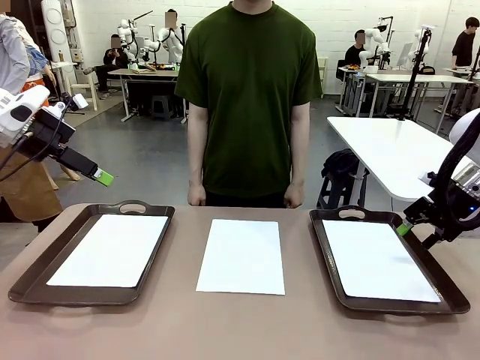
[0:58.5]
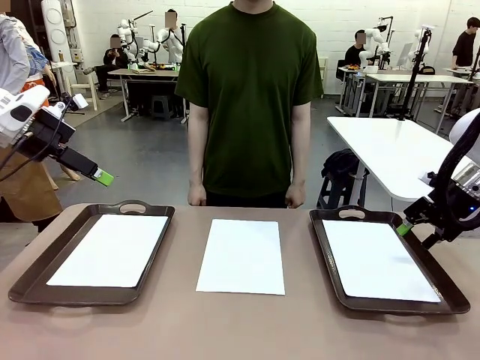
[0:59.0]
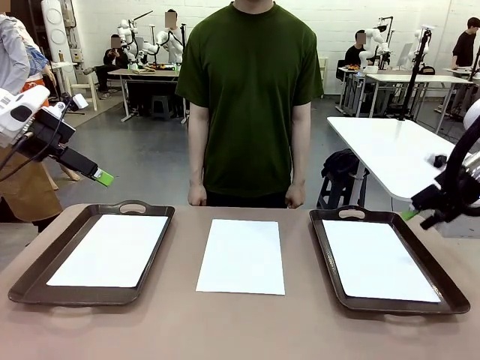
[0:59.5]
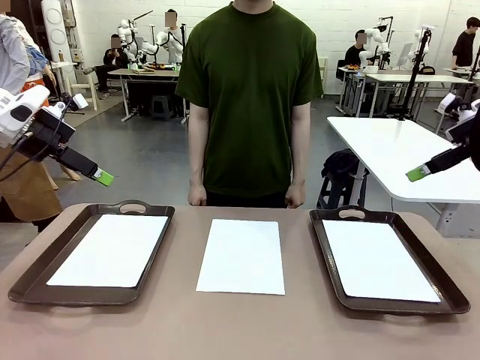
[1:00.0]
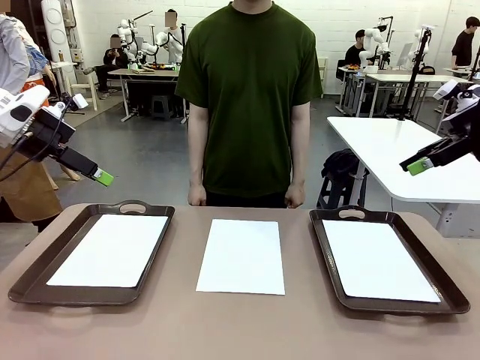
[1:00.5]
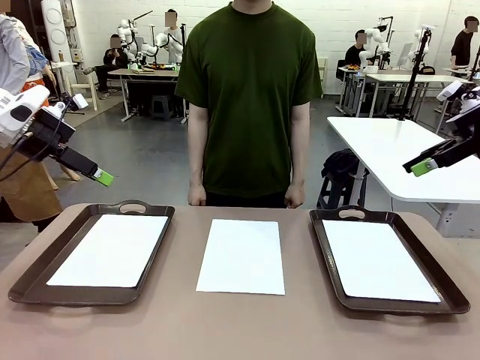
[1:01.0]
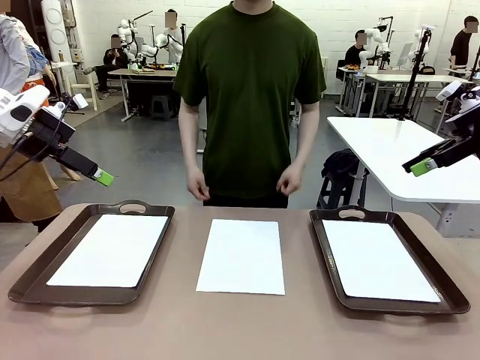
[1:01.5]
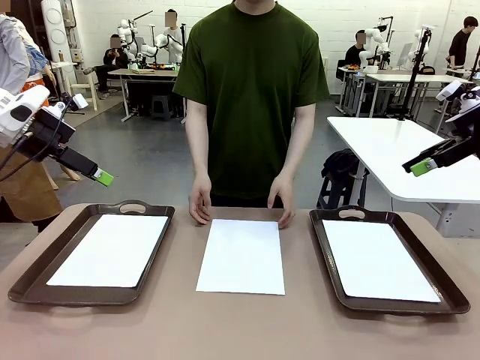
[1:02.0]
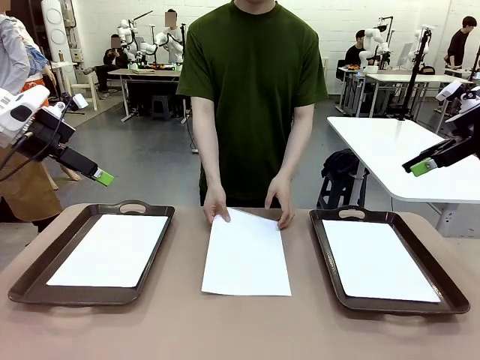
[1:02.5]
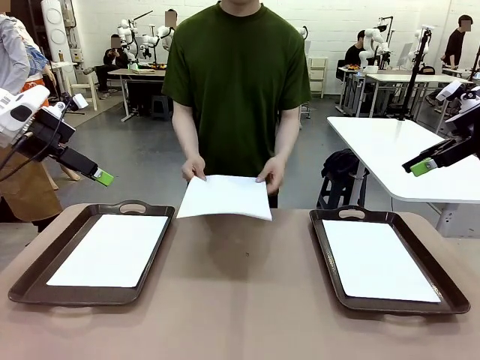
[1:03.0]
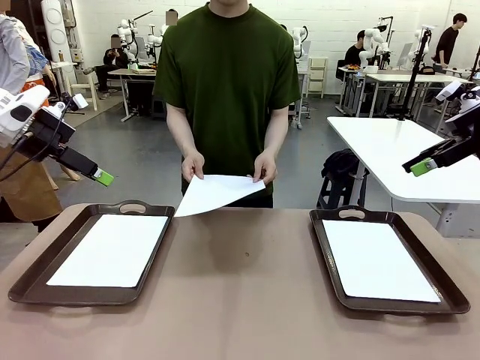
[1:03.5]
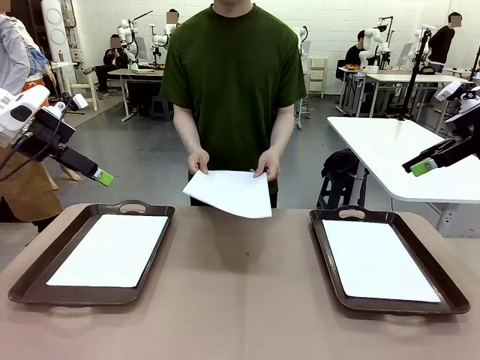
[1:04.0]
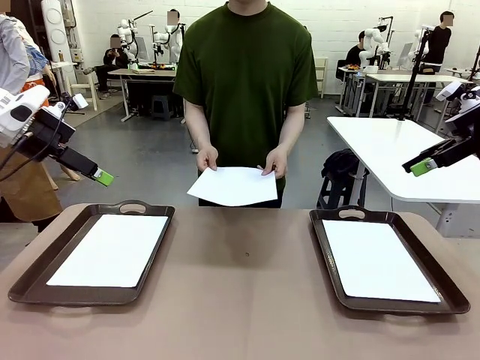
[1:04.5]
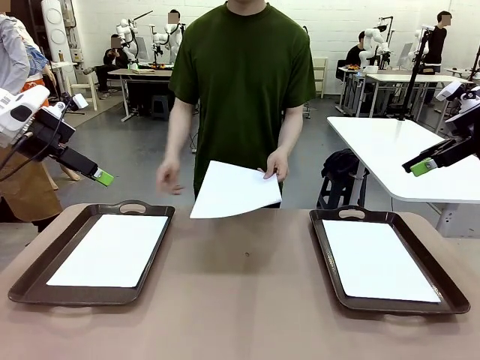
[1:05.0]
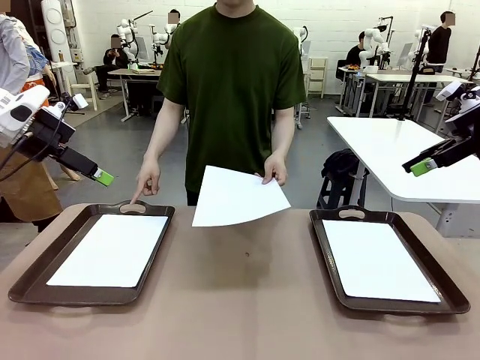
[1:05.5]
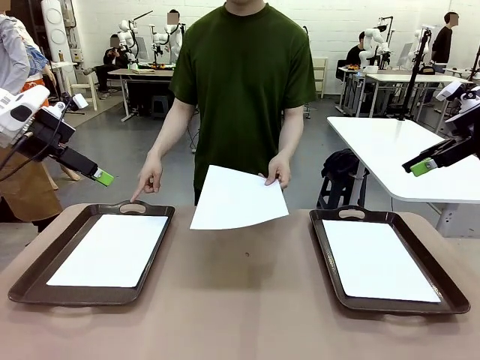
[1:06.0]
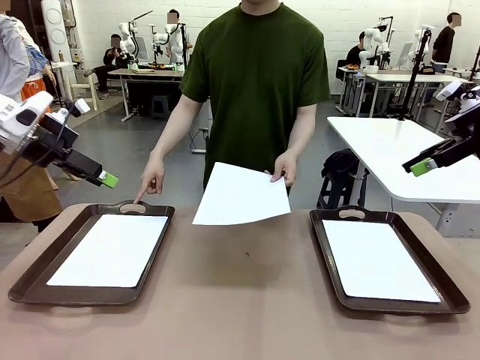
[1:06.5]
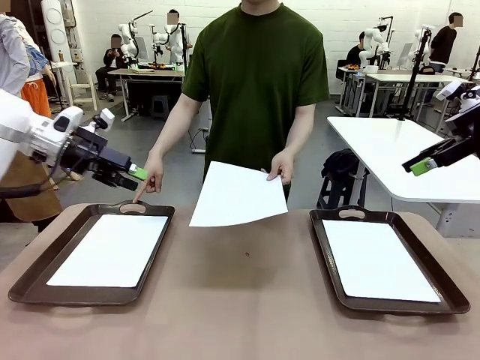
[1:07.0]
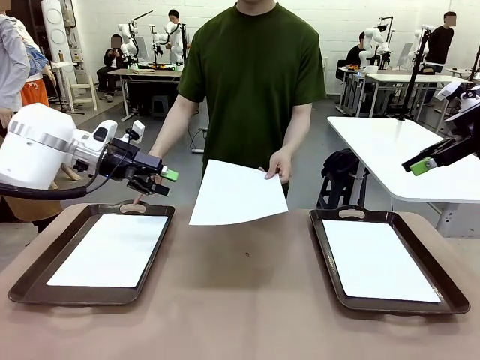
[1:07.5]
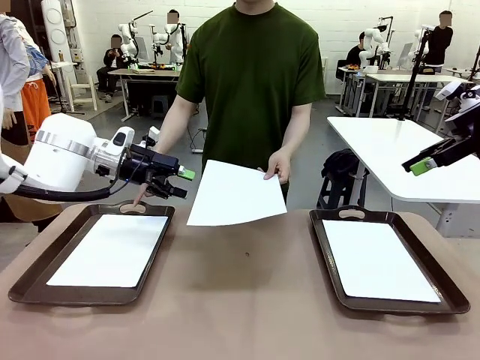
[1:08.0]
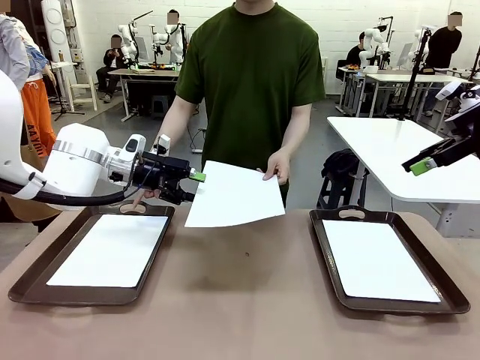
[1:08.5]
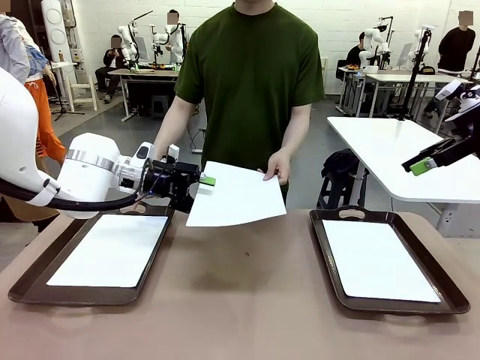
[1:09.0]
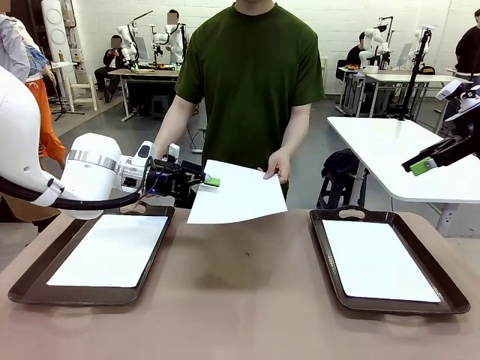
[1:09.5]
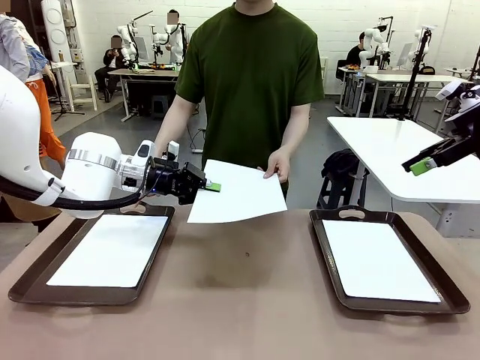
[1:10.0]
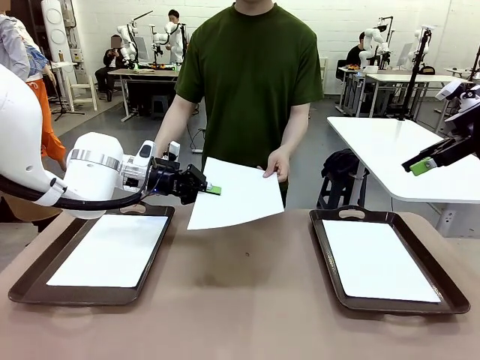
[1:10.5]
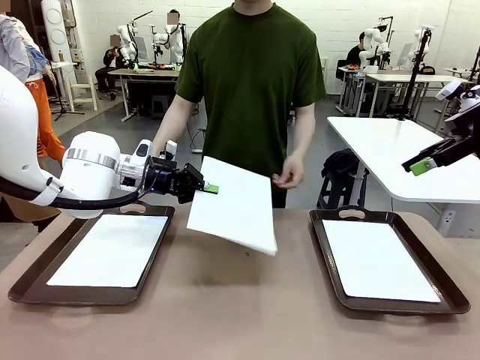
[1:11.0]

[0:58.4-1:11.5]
Task: Sort the A4 documents.
Robot: Receive the A4 Paper.
Person: Point the randomly selected tray with the other hand.

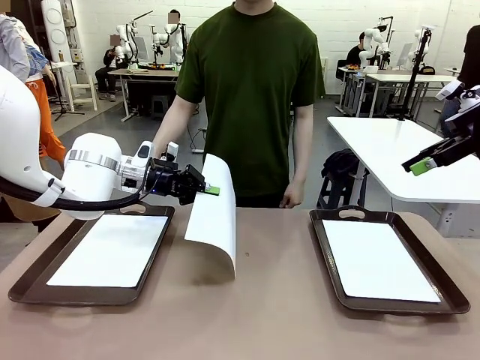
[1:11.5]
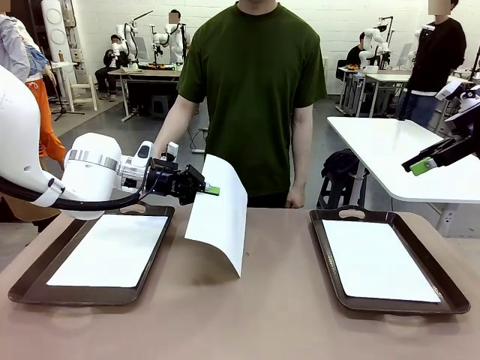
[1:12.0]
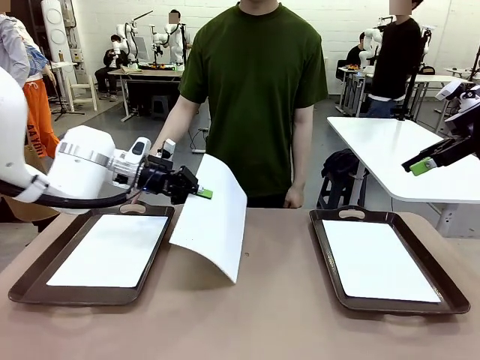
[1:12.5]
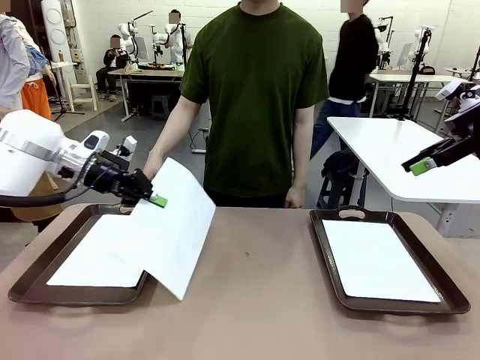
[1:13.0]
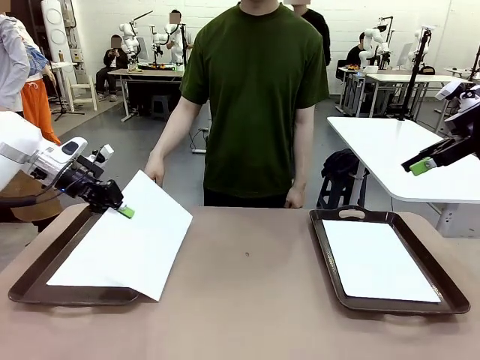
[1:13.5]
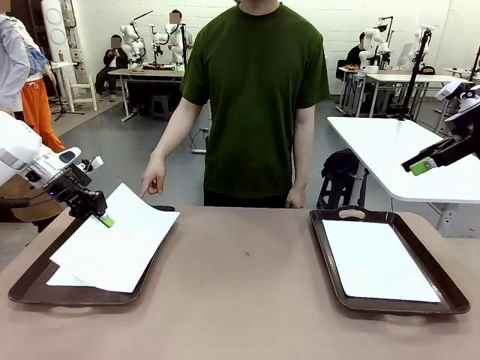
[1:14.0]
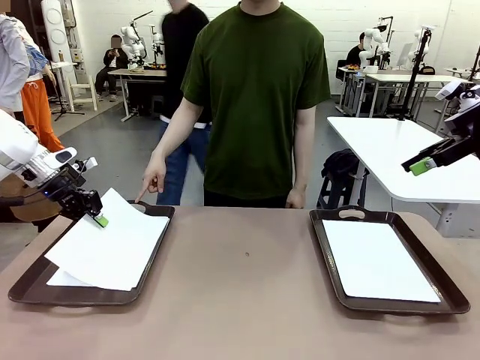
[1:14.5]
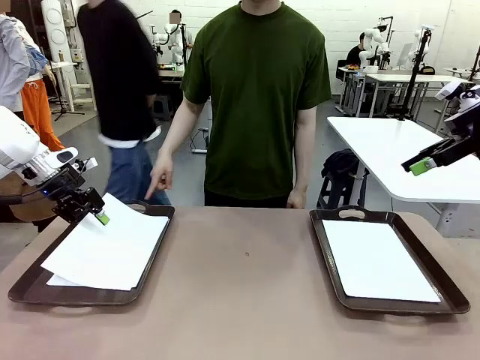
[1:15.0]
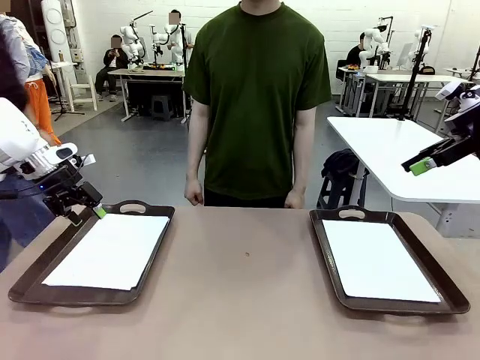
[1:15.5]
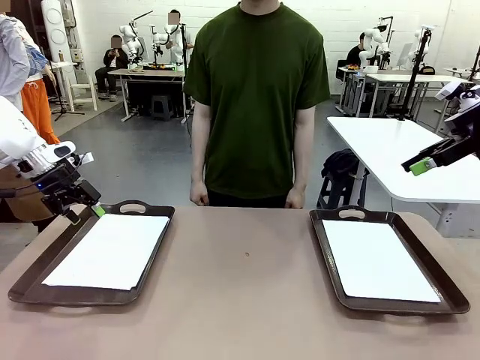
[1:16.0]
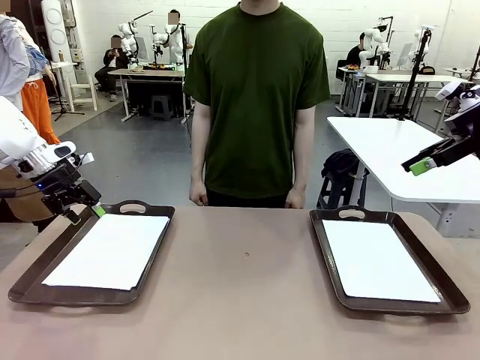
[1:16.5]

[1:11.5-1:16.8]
Robot: Place the A4 Paper in the designated Handle tray.

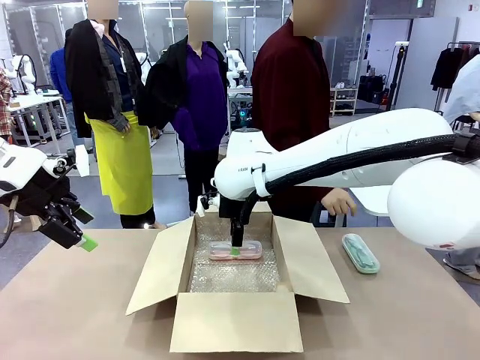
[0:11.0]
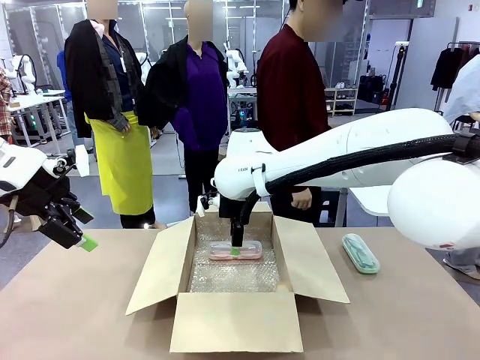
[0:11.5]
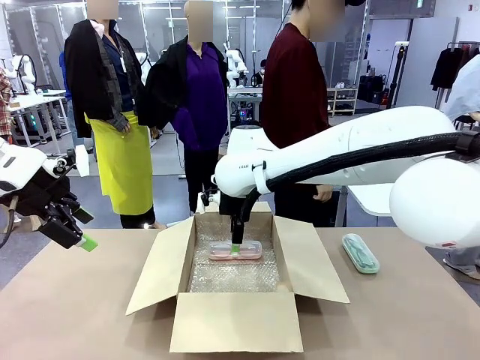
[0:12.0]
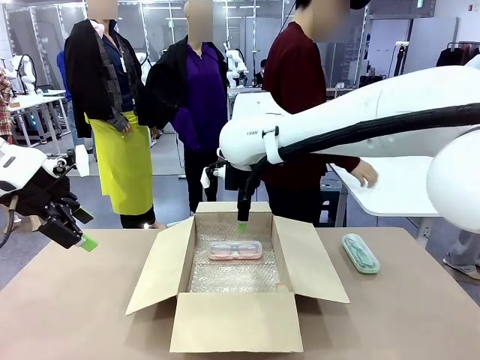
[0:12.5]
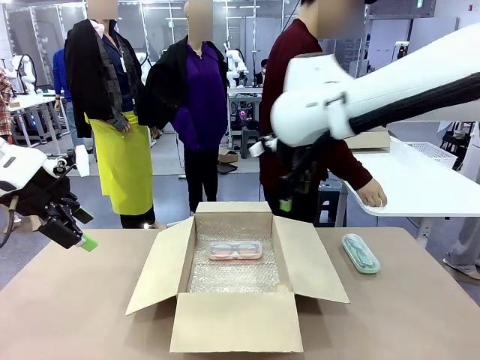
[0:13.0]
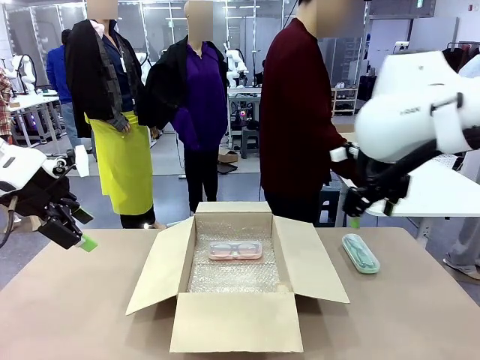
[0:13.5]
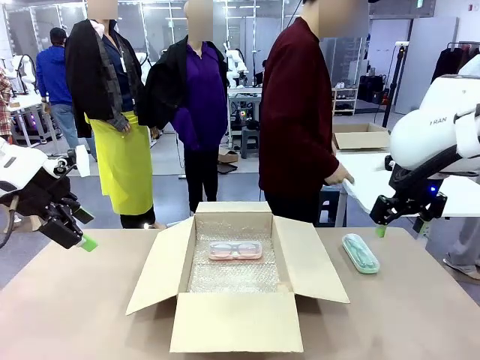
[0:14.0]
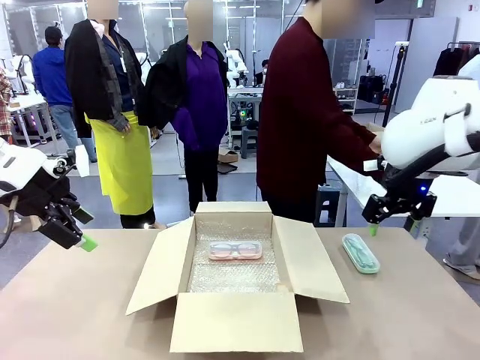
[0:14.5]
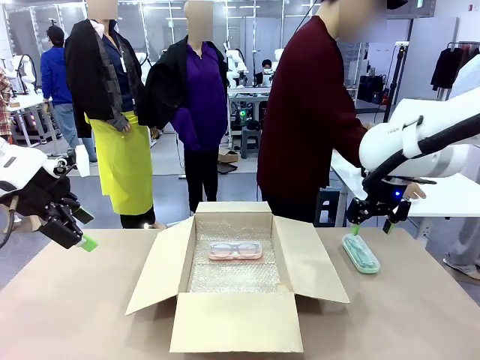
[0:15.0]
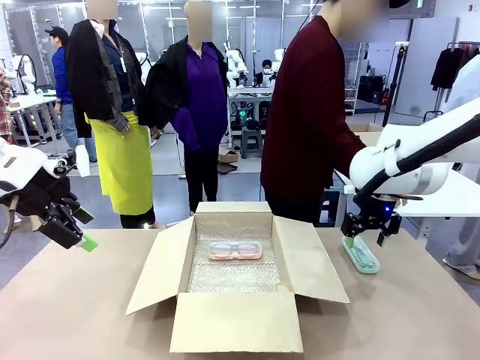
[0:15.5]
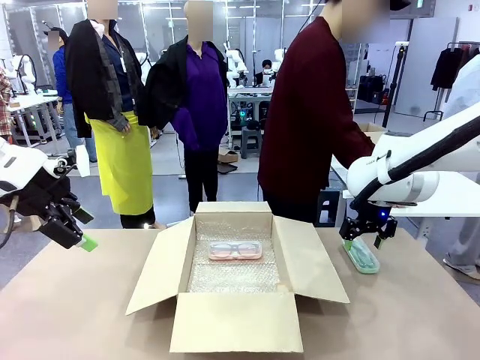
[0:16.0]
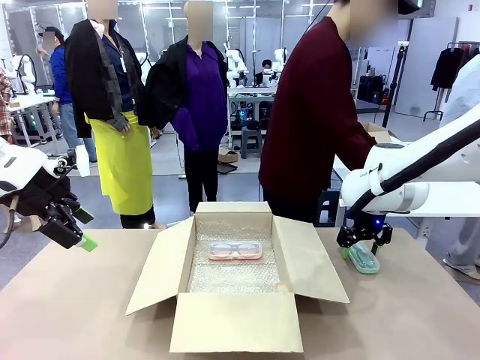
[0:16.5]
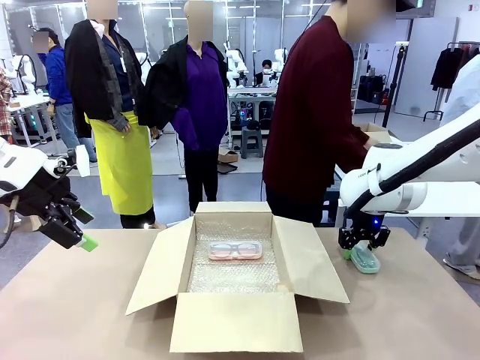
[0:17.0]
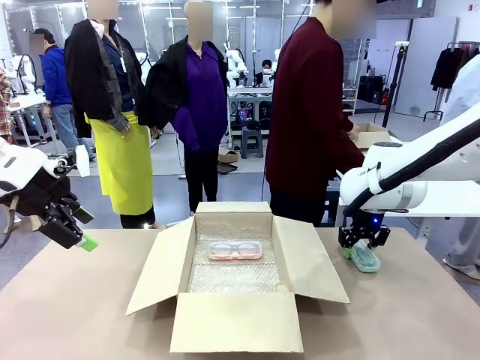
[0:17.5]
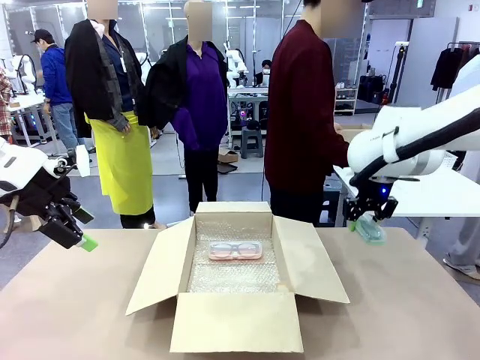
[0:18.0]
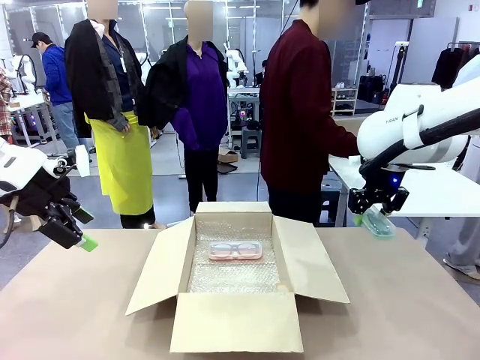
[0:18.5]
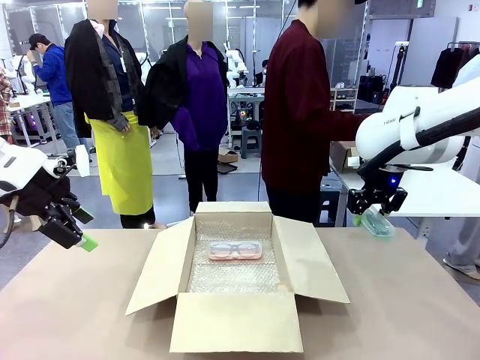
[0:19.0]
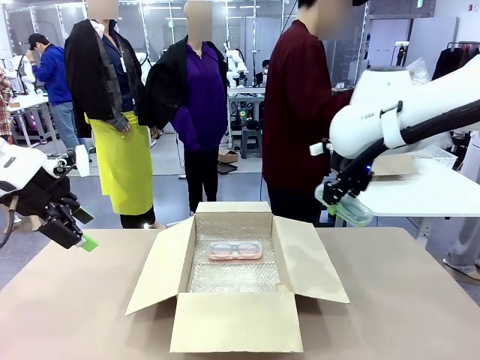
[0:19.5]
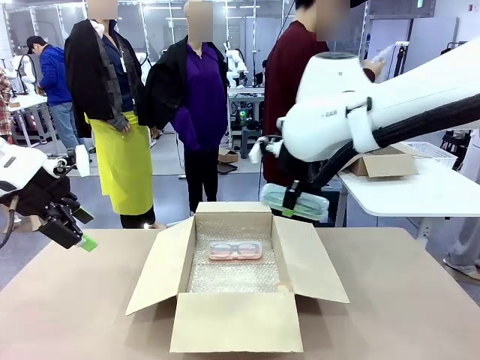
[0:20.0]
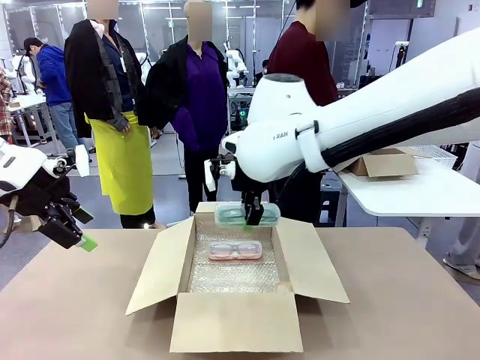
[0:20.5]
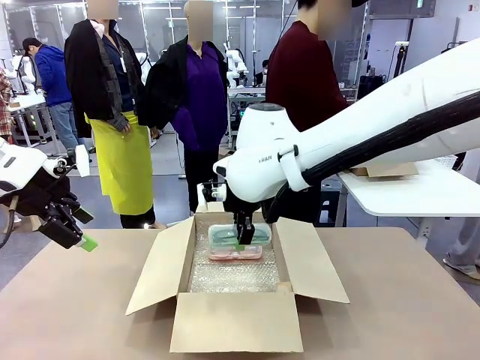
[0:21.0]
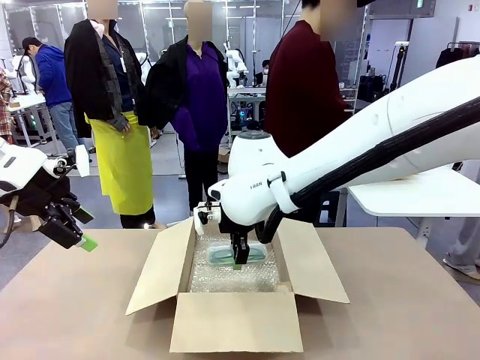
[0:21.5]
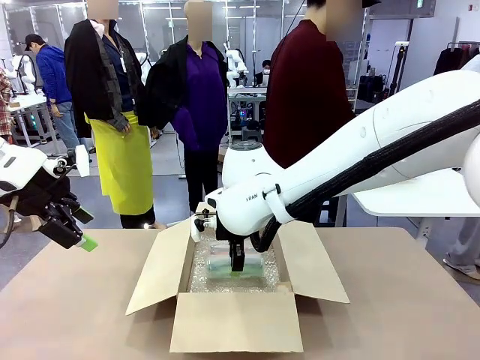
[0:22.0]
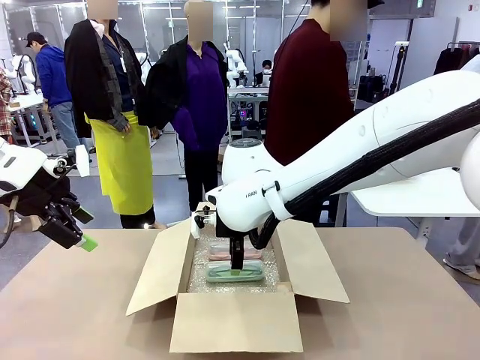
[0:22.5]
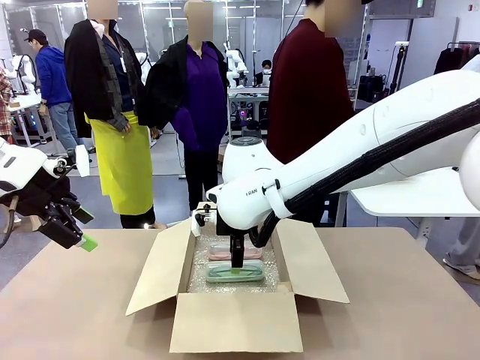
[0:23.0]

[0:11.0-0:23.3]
Task: Pack the glasses set securely to prepare it for shipping.
Robot: Put the Glasses case from the right side of the table into the Package Box.
